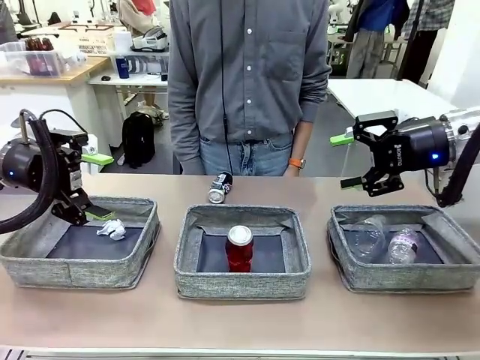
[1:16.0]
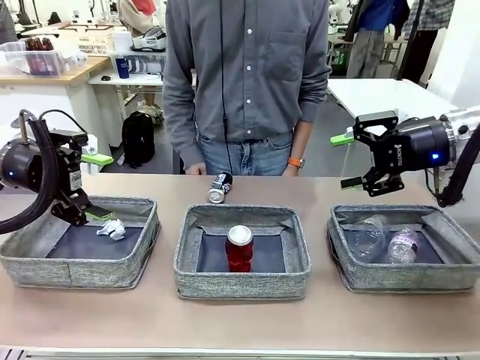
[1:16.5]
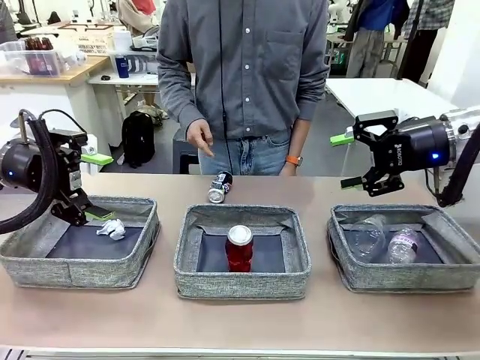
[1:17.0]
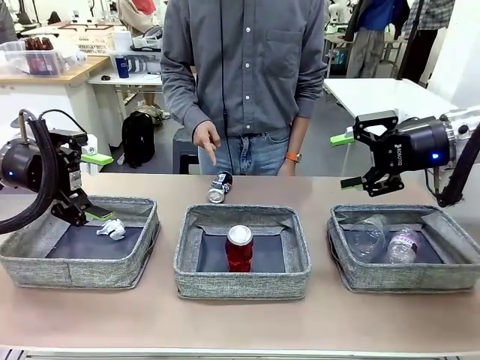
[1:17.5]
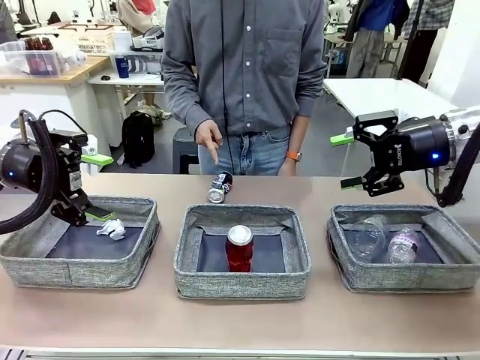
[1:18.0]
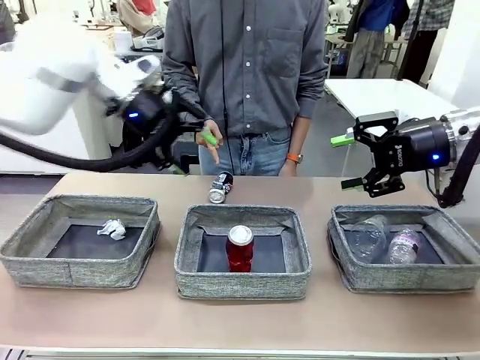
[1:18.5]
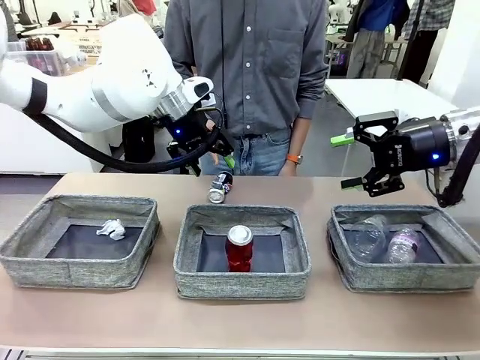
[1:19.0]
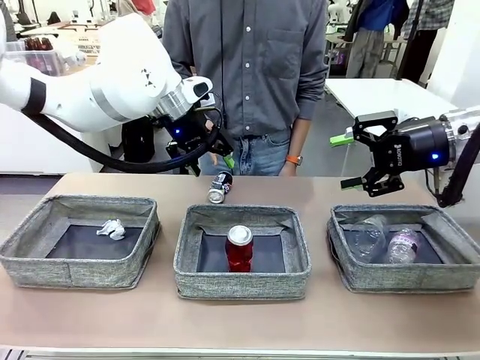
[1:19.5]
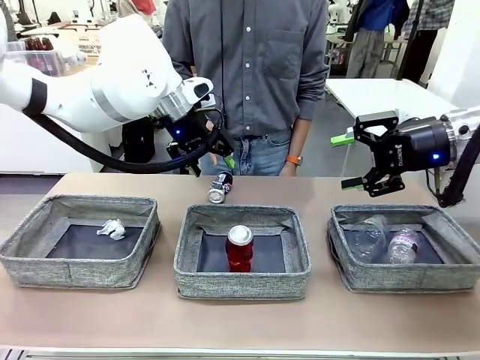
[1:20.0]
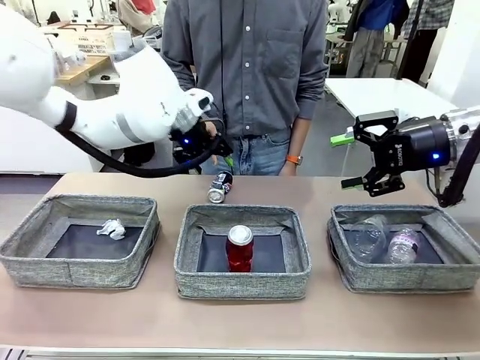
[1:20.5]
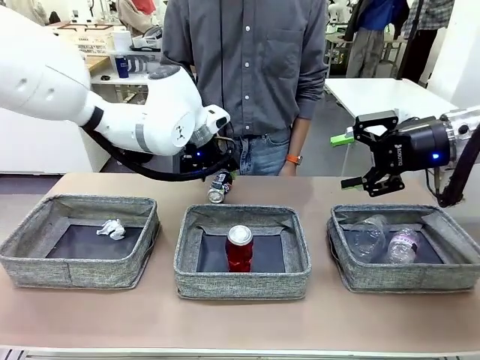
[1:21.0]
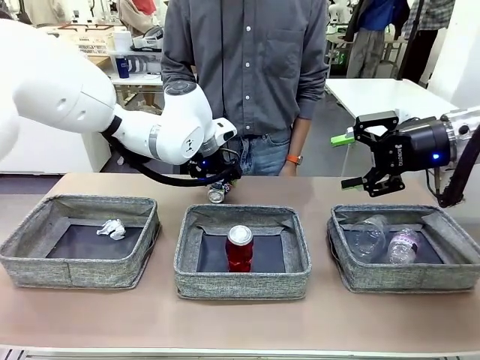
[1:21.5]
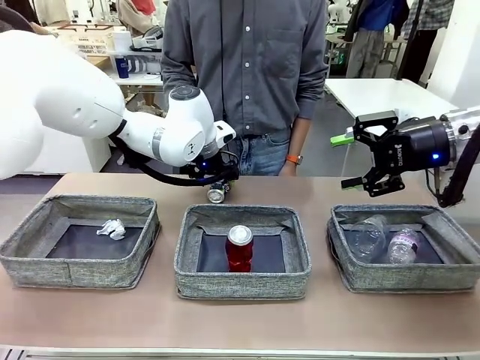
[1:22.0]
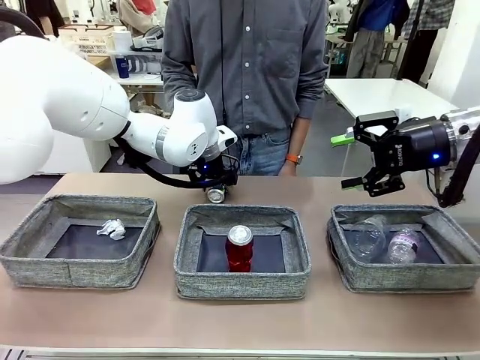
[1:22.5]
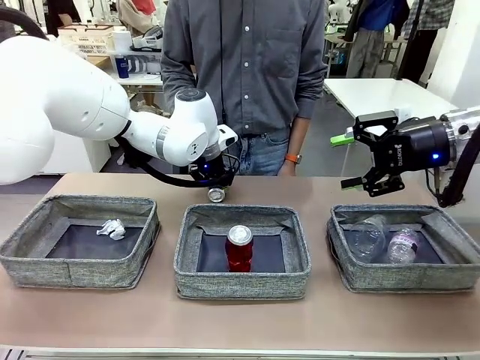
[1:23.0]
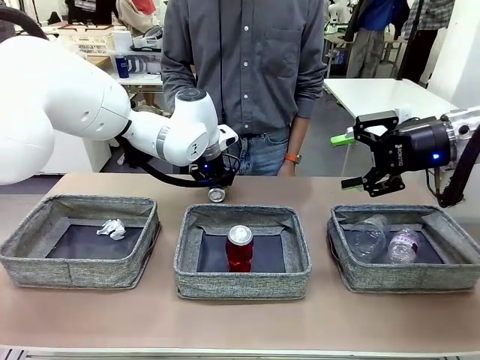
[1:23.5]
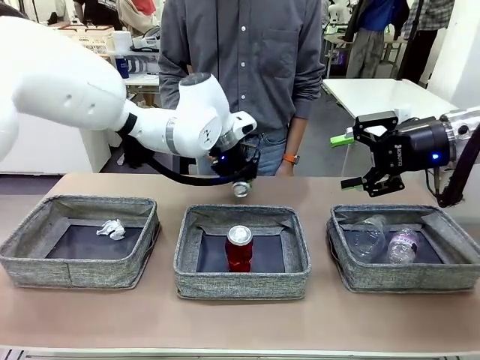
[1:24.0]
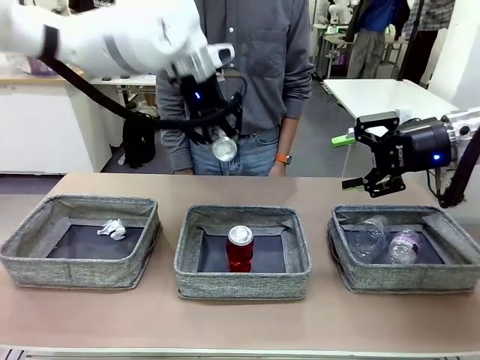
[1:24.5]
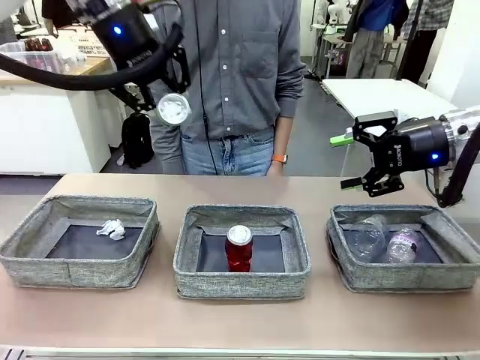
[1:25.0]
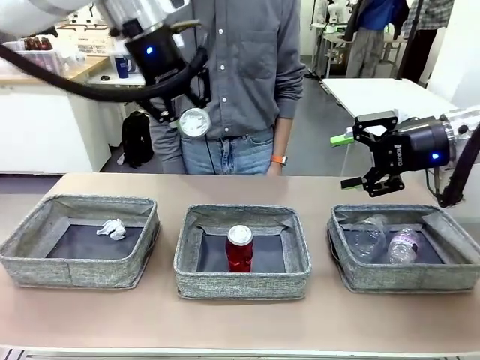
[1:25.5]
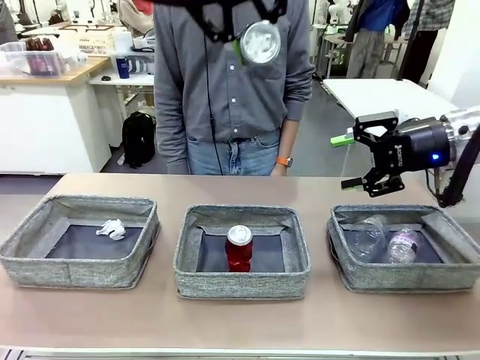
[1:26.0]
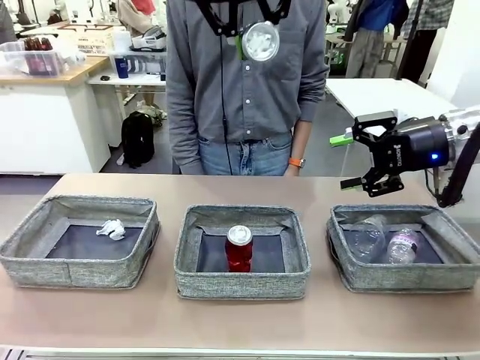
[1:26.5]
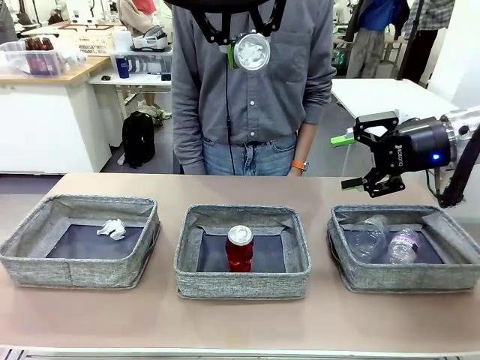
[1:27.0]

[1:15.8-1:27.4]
Task: Sort the waste into the appropriate baskets.
Robot: Pick up the waste item pointed out by the person.
Person: Points to one piece of trash on the table.

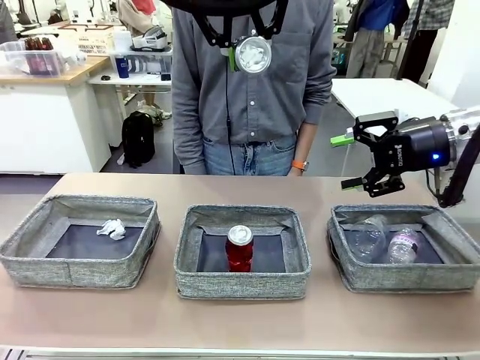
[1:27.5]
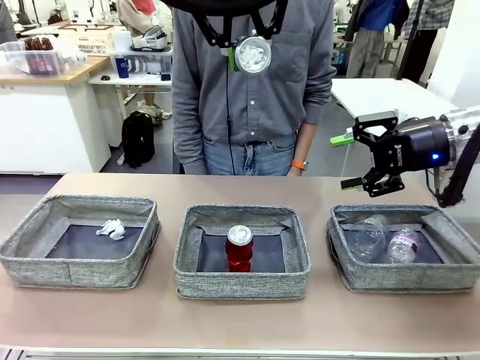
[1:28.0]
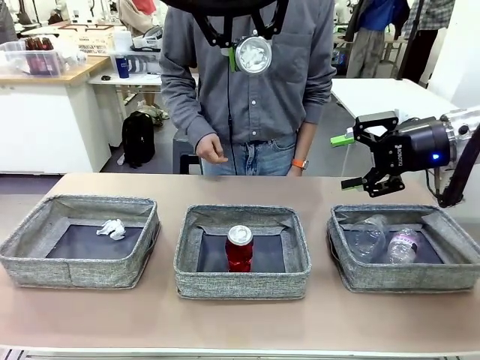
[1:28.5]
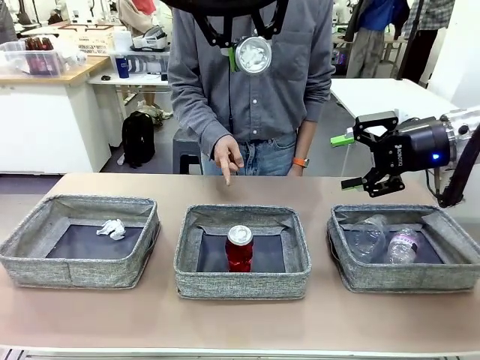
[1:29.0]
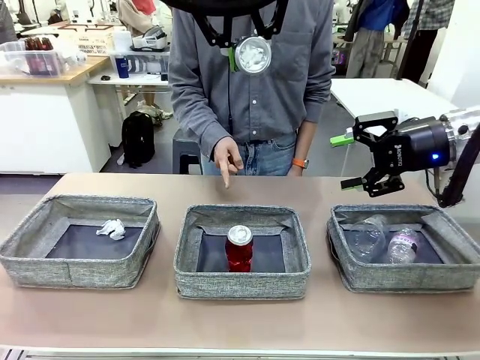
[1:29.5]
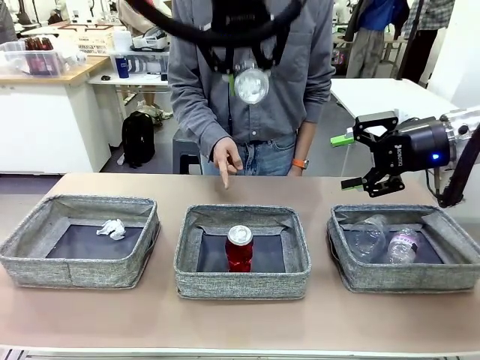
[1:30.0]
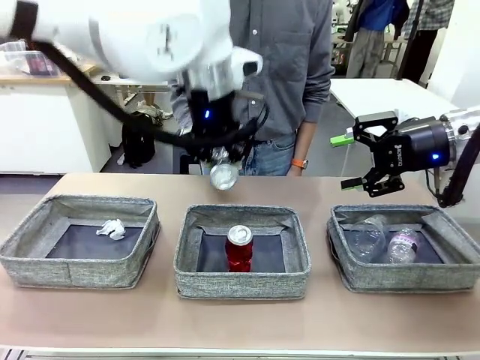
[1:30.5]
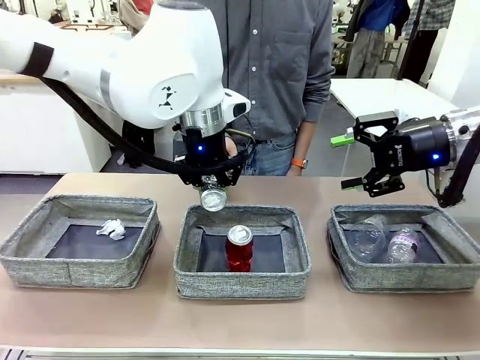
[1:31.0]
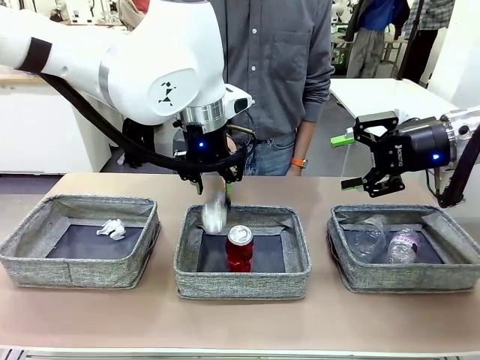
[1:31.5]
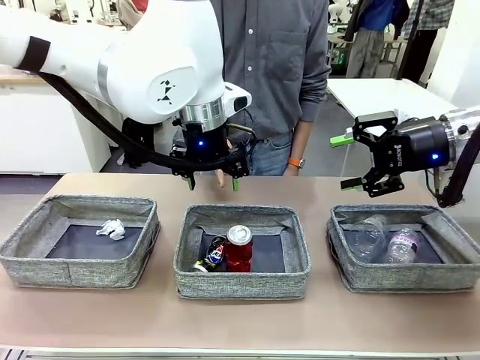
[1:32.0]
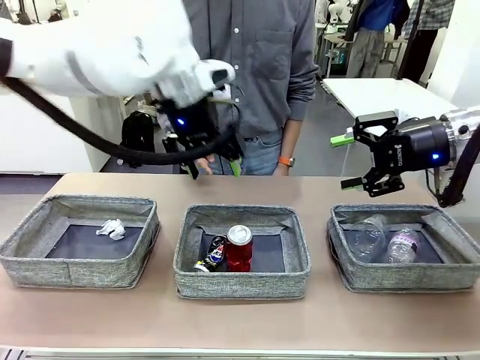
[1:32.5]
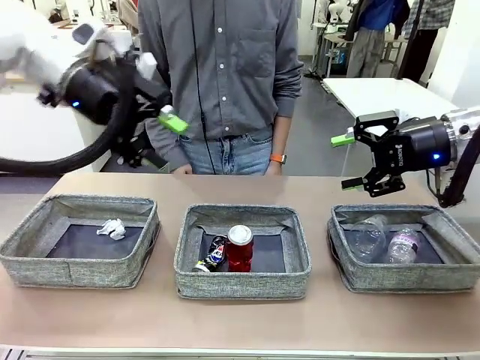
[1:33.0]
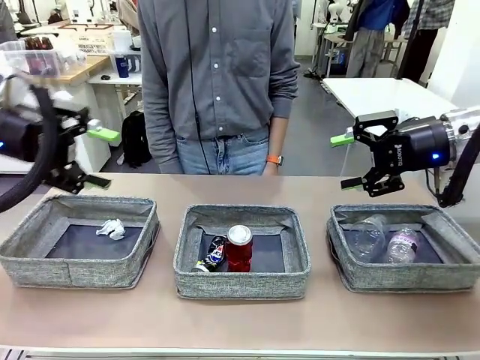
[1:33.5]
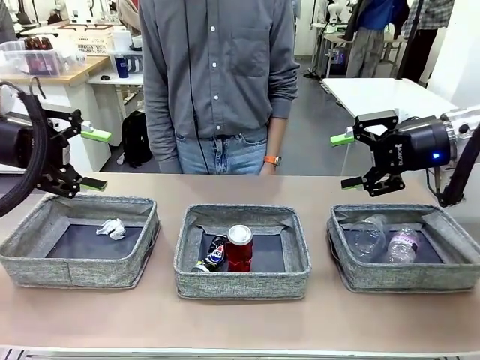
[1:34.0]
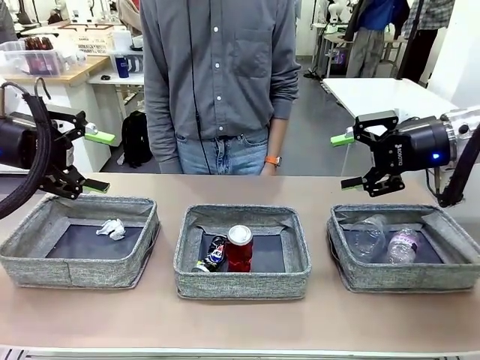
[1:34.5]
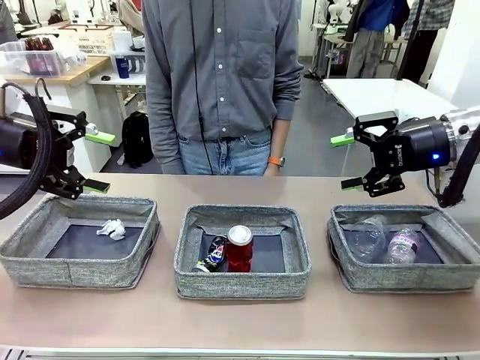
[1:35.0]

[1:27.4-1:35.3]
Robot: Place the picked waste into the Fabric basket indicated by the person.
Person: Instructs the robot to place the picked-up trash into the appropriate organizing basket.

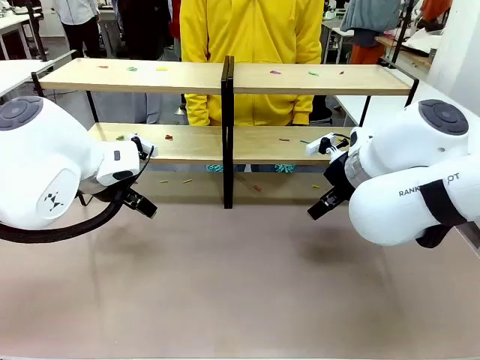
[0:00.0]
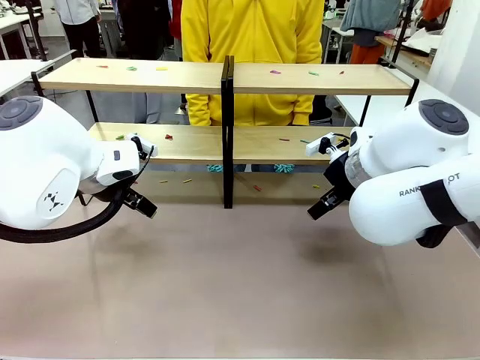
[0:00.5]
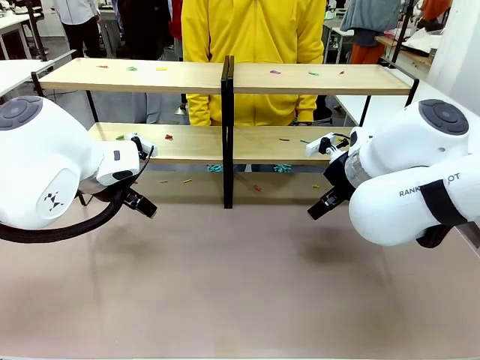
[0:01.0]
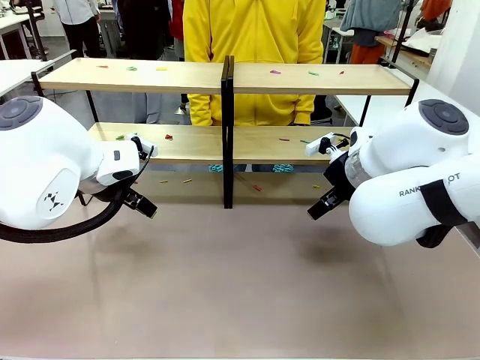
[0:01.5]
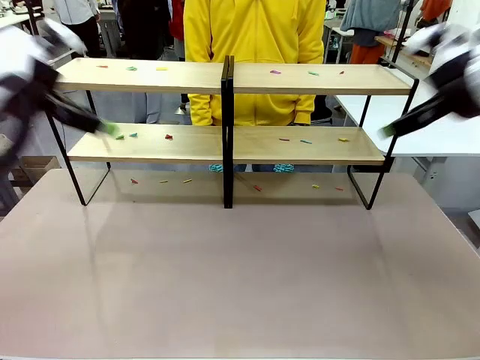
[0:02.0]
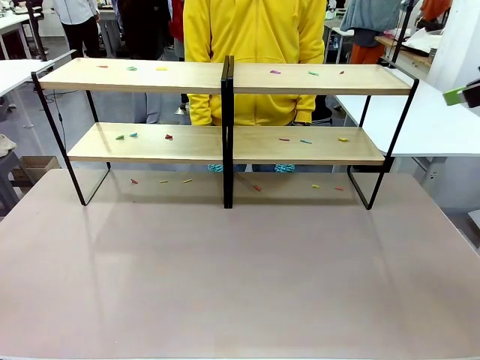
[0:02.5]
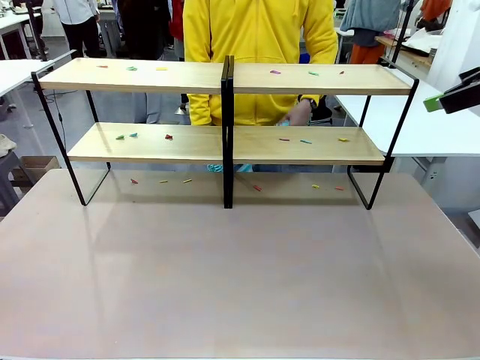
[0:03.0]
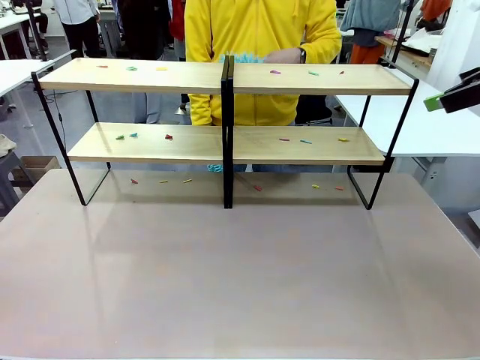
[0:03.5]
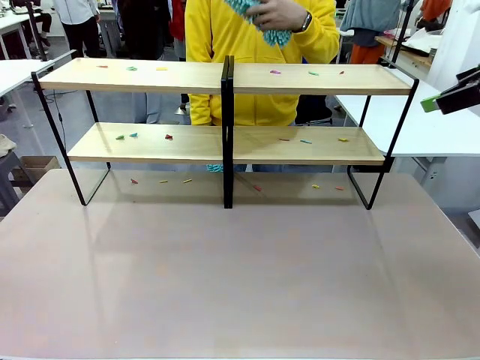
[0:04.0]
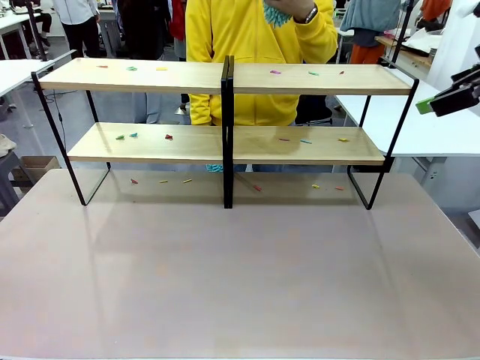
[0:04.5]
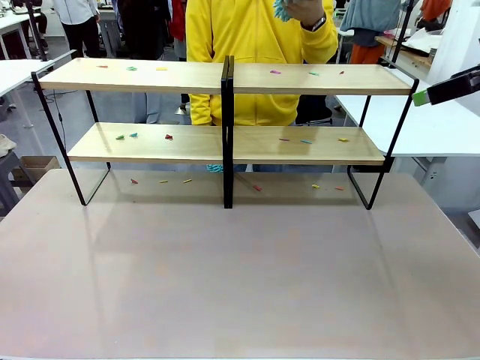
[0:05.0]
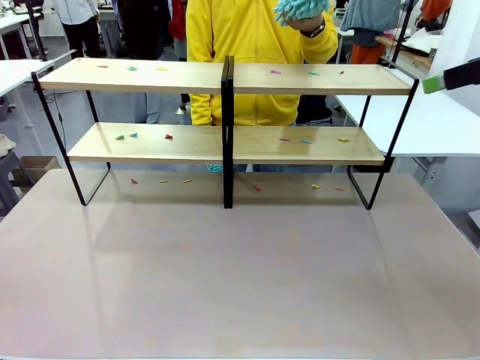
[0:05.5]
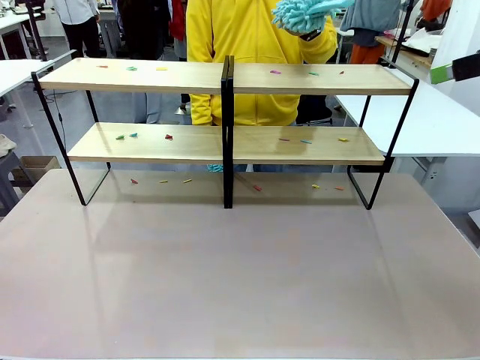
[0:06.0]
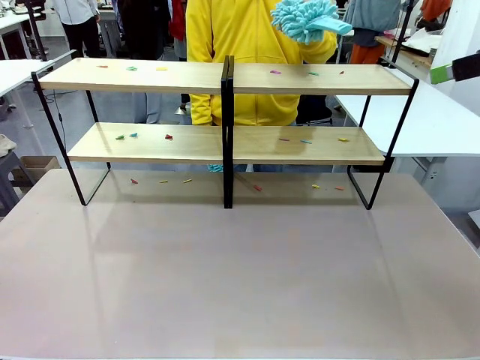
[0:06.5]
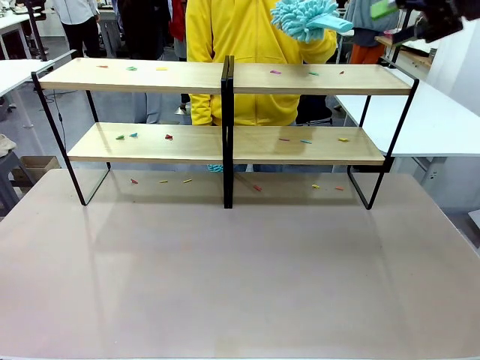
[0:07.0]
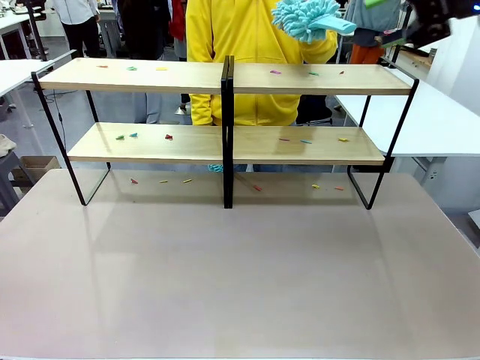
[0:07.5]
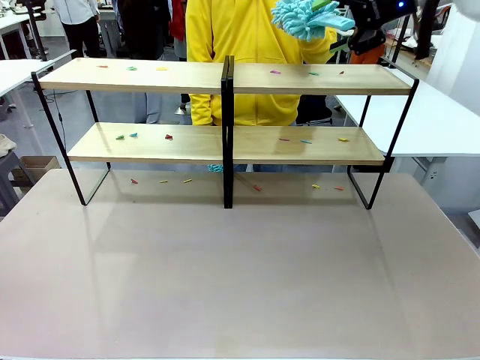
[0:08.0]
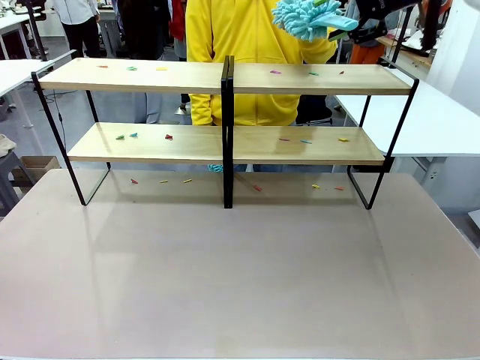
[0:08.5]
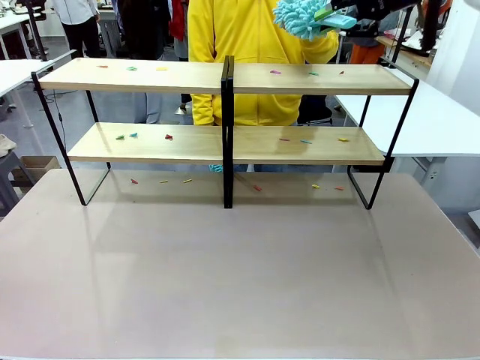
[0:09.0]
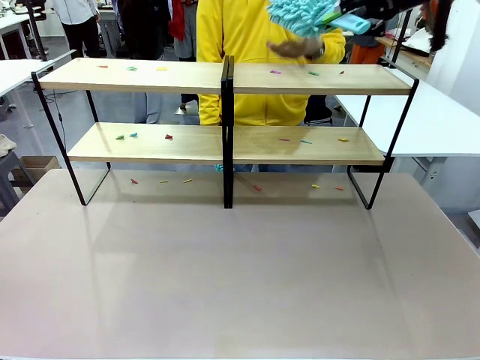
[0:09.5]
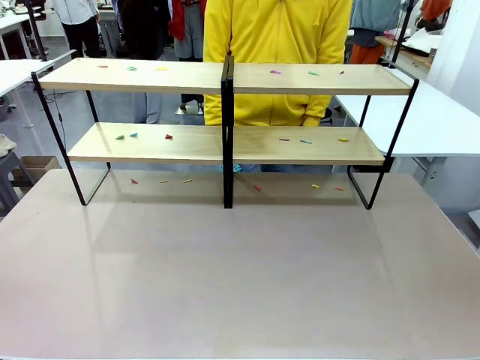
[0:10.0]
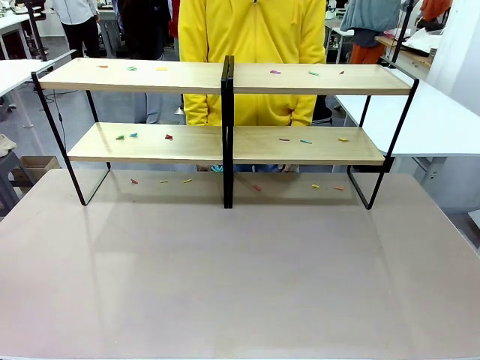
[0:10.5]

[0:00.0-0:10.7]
Task: Clean the shelves.
Robot: Pick up the Duster when the human hands it over.
Person: Hand the Duster to the robot with your right (or left) hand.
